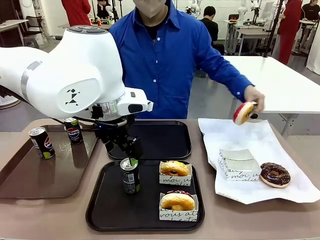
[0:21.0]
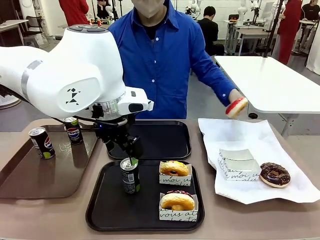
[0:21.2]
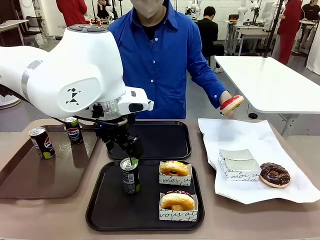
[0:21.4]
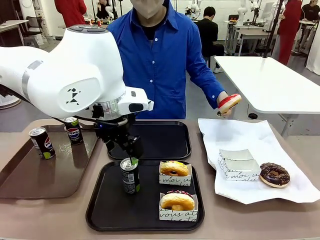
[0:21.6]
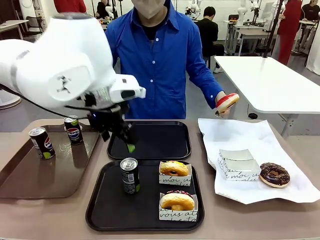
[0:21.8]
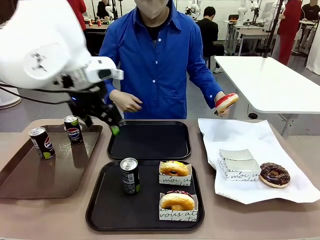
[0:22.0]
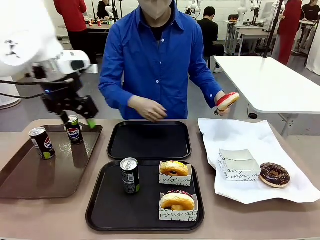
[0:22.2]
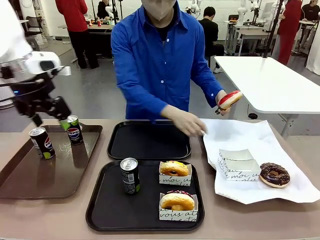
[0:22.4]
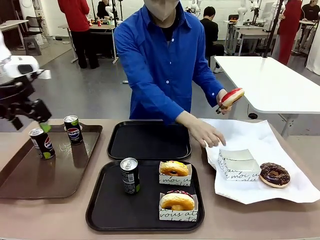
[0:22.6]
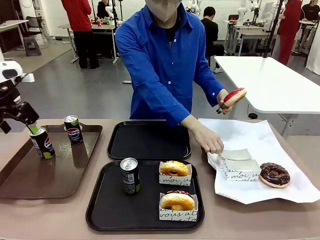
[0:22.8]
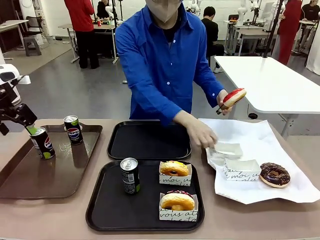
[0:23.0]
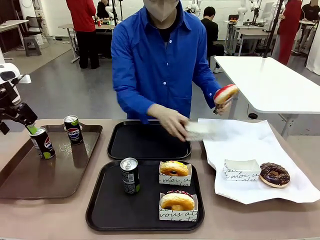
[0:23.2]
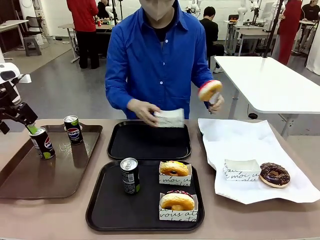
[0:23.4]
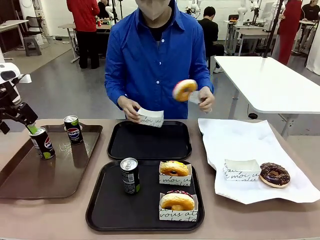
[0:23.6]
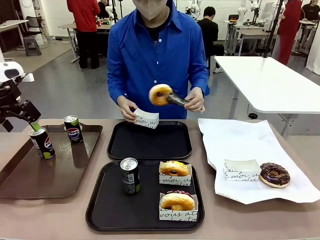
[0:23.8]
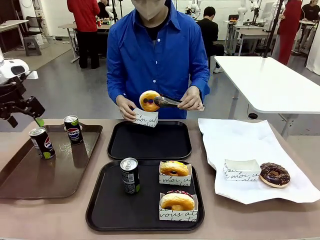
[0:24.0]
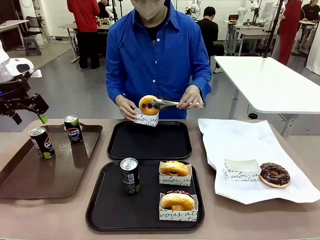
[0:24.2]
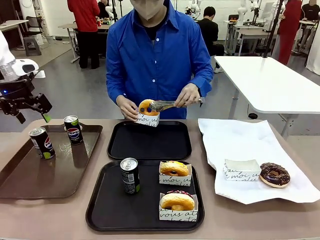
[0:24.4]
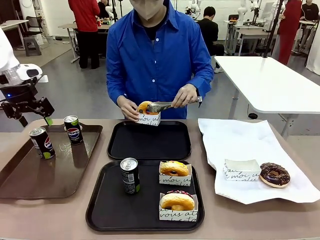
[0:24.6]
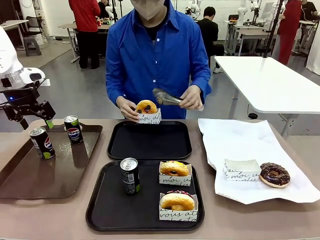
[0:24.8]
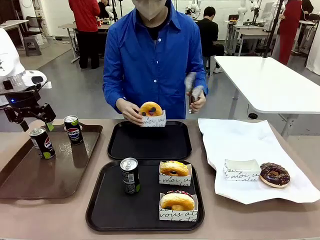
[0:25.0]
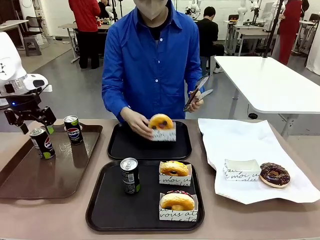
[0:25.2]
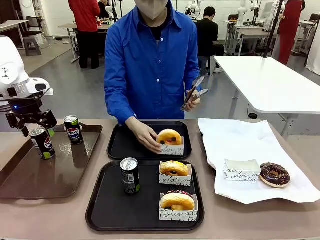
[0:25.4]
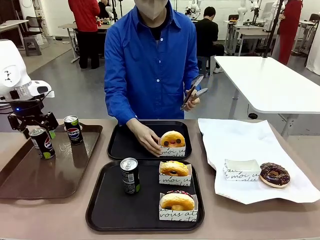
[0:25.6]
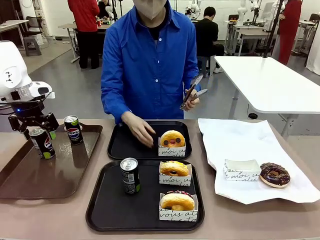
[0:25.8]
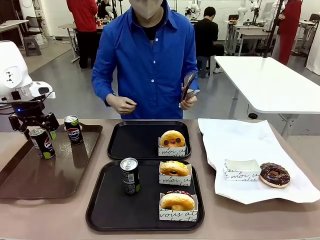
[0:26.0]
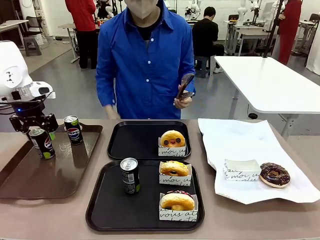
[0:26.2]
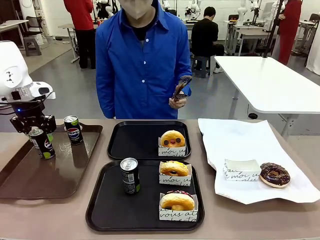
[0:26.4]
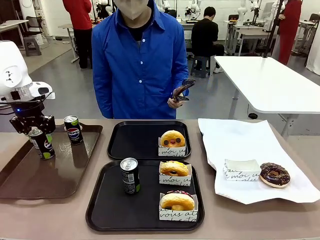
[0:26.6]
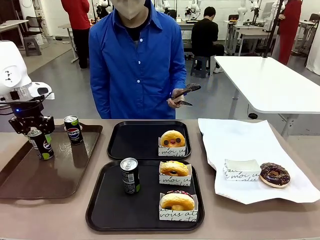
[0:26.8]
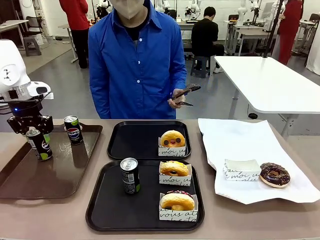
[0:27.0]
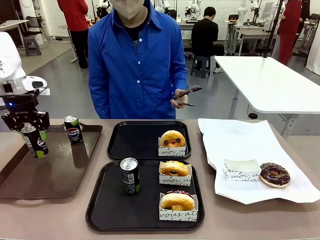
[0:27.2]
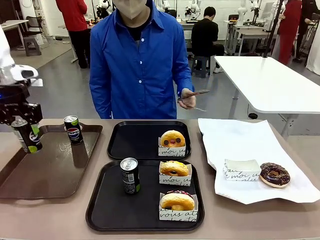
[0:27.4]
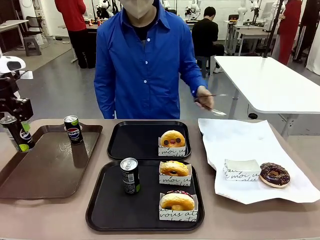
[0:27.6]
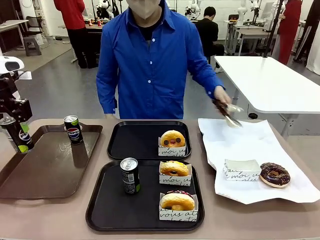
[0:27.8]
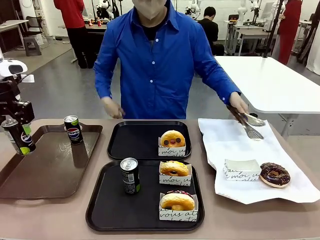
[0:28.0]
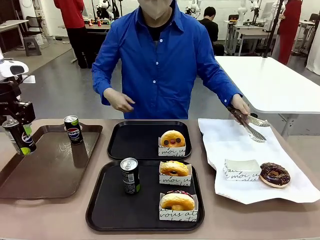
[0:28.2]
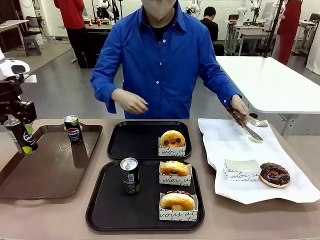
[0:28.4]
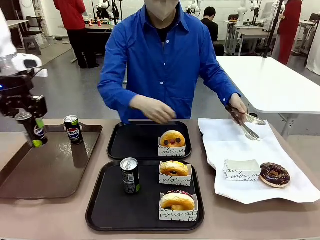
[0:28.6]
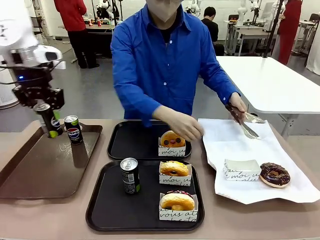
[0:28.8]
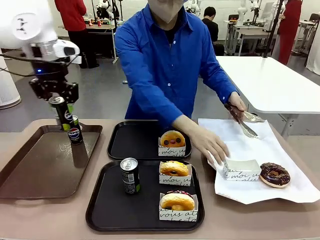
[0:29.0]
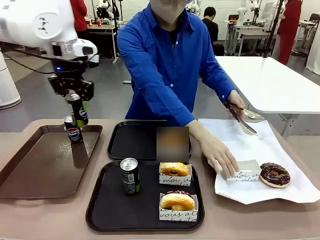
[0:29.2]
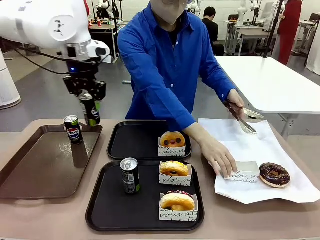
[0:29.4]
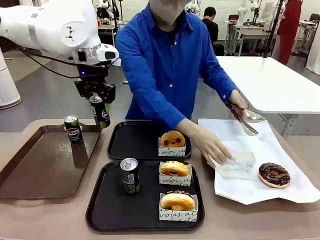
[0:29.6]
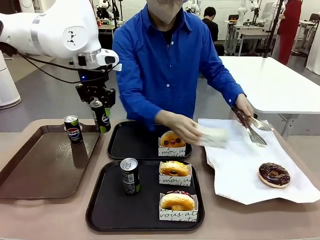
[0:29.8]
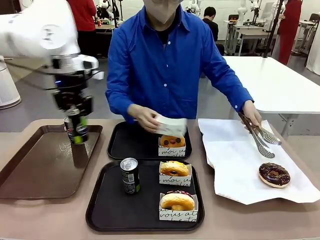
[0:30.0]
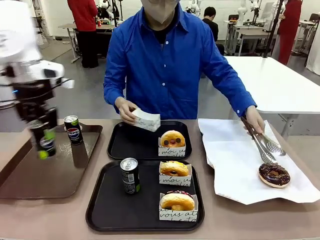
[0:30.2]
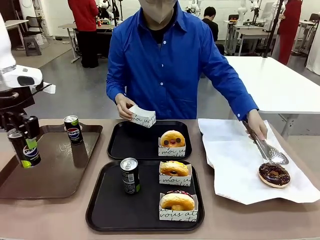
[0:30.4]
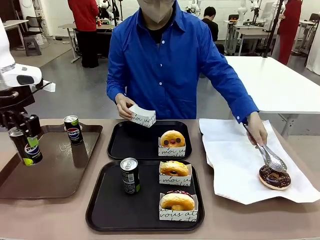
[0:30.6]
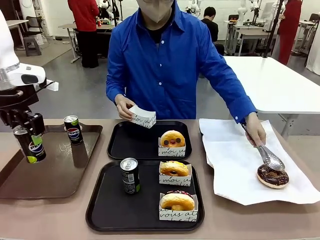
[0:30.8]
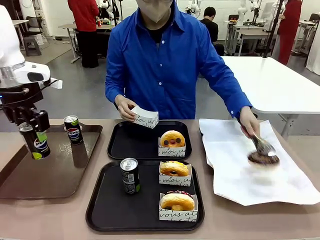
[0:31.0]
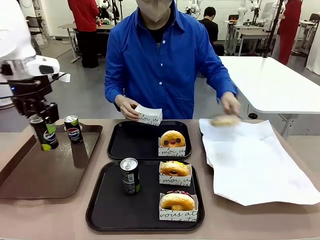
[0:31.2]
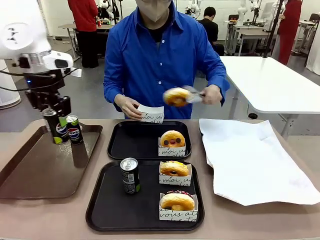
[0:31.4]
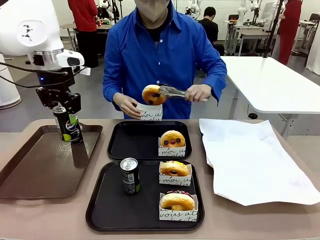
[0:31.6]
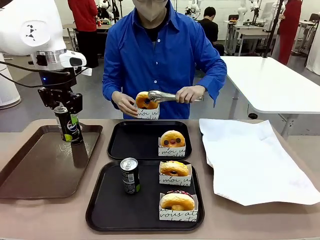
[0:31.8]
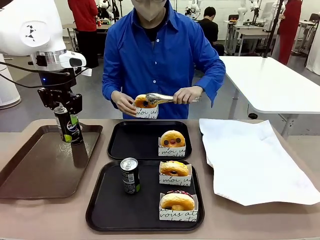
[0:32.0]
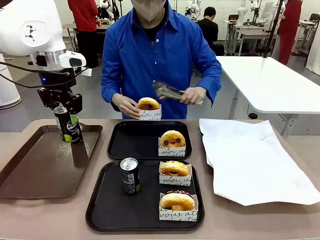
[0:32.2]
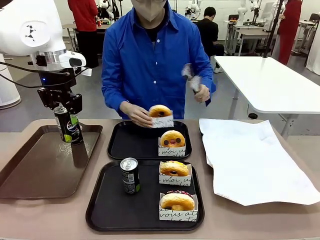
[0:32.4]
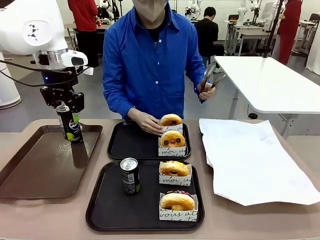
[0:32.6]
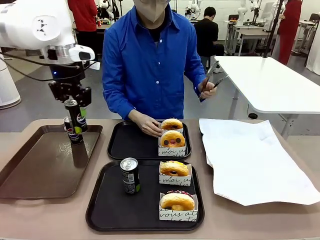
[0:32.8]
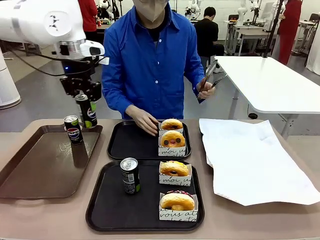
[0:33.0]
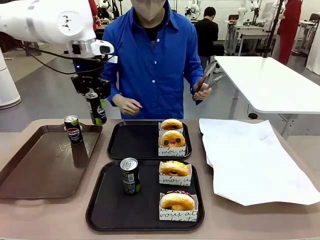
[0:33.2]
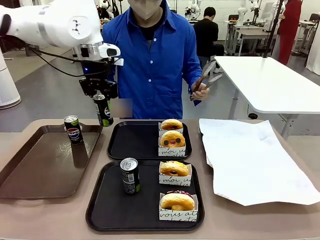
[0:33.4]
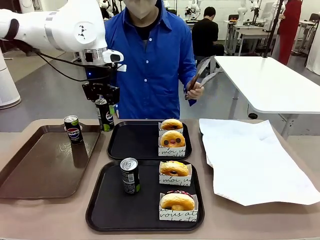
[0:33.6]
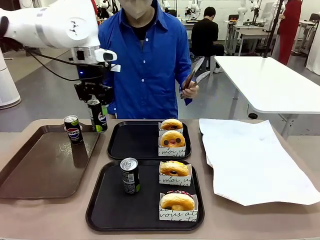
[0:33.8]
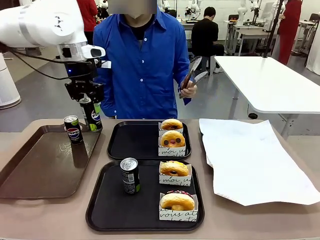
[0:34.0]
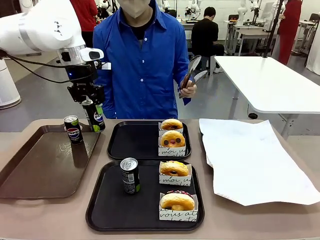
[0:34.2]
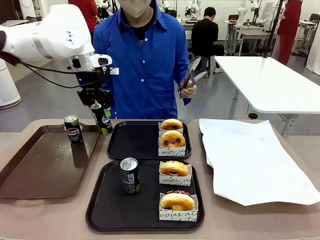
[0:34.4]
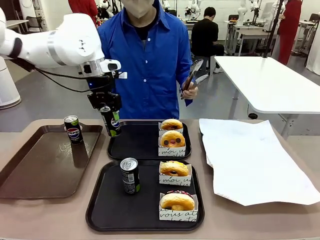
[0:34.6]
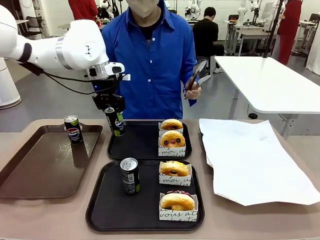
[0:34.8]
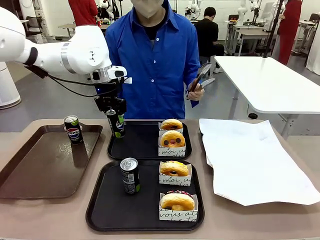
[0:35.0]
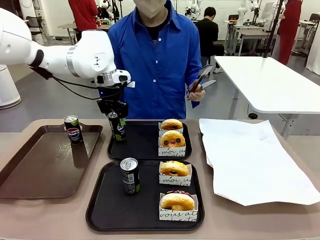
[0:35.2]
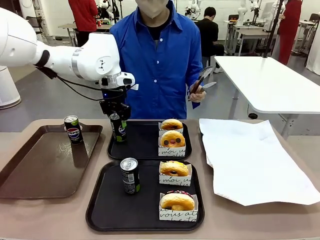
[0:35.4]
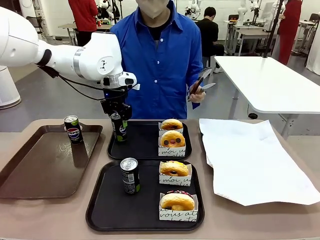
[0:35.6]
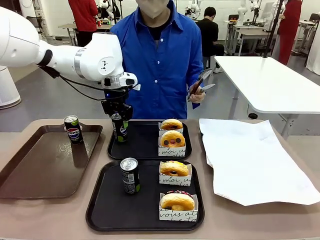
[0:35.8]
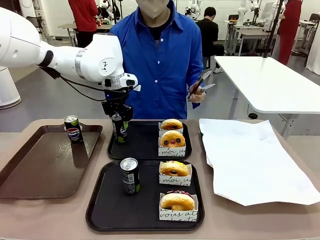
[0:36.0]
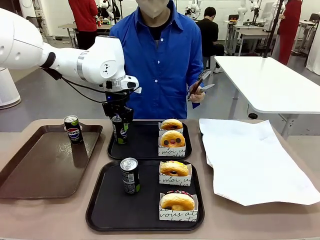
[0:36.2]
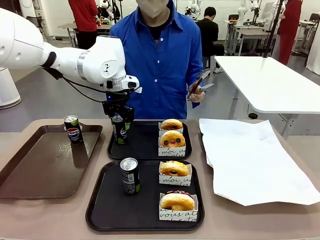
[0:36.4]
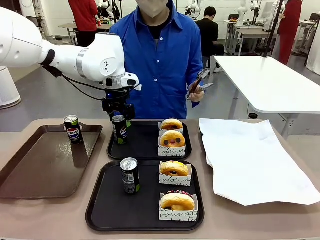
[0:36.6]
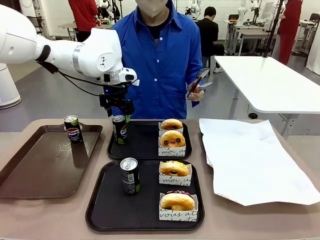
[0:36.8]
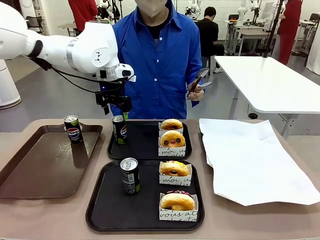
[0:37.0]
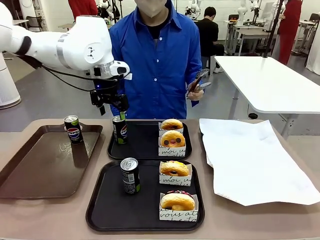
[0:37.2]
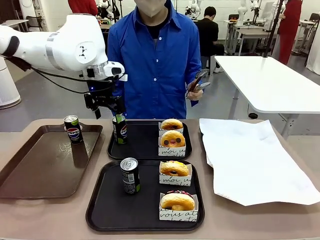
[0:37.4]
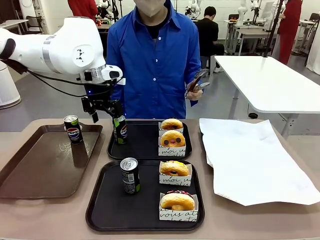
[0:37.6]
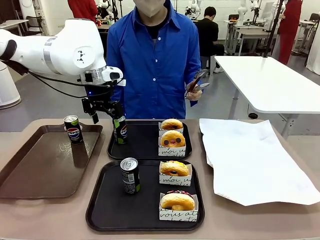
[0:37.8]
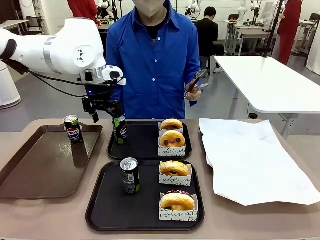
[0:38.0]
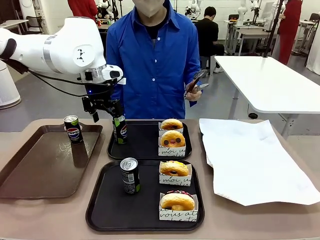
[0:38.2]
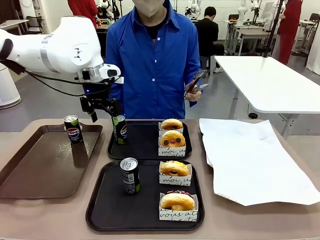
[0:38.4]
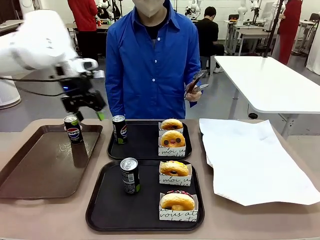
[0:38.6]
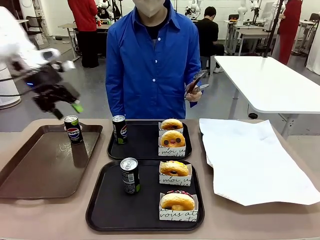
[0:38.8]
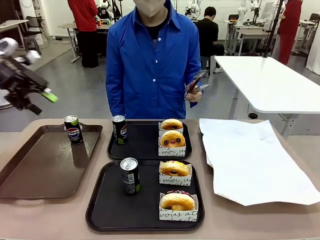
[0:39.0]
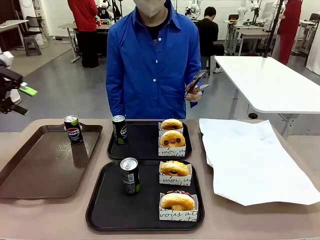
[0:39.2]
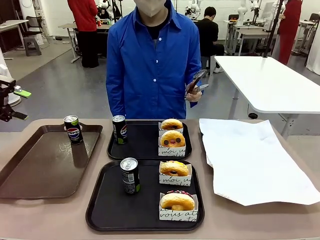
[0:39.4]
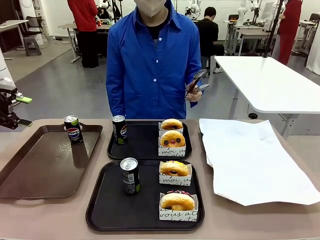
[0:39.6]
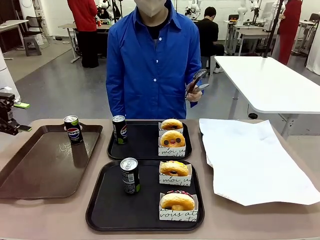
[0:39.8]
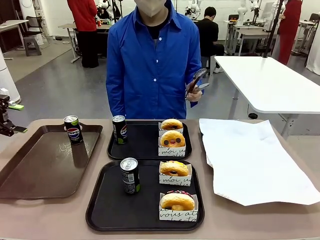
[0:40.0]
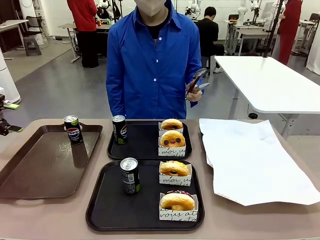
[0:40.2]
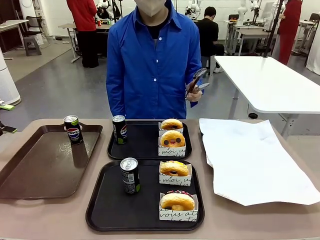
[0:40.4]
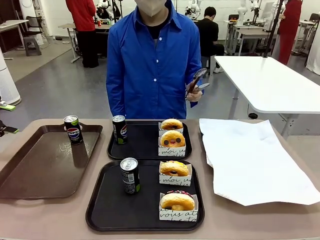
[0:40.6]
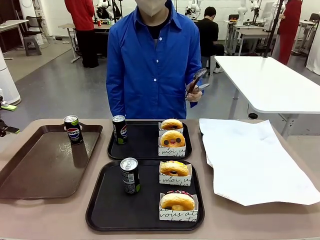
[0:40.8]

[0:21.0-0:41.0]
Task: Set up donuts and drinks on trays.
Robot: Pick up one Pepsi coke from the Handle tray and place it on the Flat Tray without a Pepsi coke.
